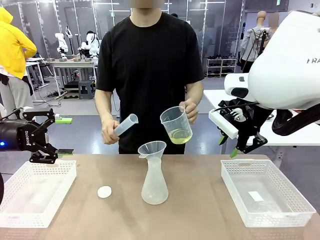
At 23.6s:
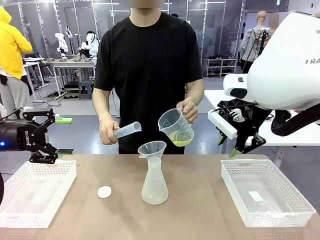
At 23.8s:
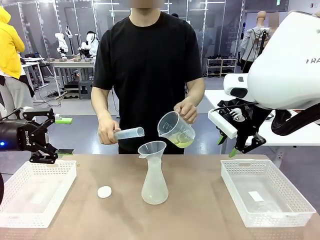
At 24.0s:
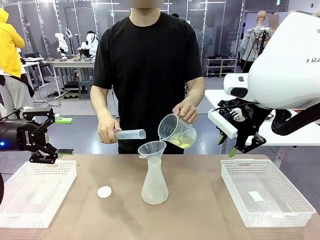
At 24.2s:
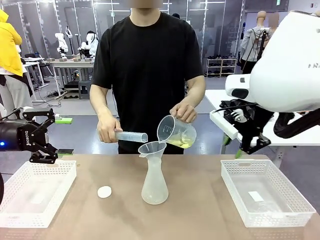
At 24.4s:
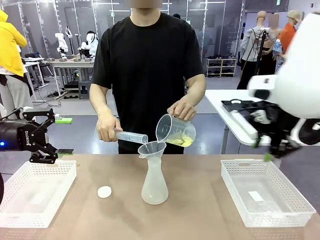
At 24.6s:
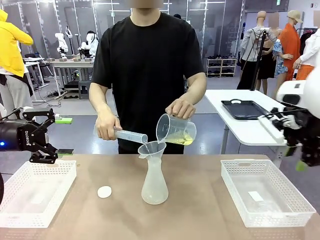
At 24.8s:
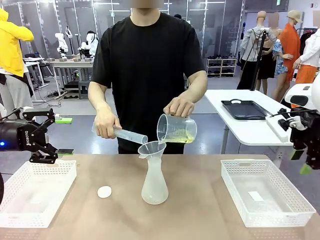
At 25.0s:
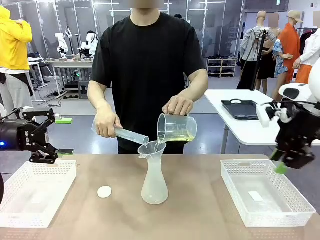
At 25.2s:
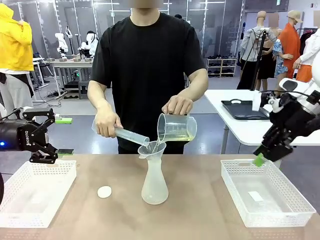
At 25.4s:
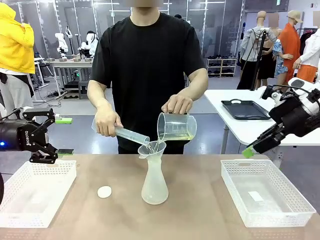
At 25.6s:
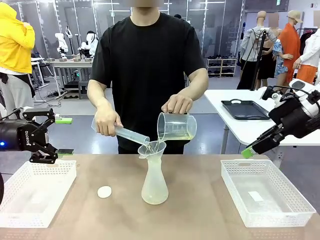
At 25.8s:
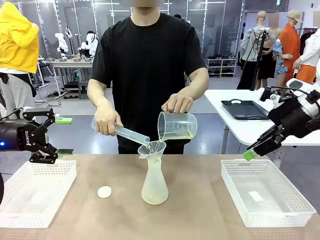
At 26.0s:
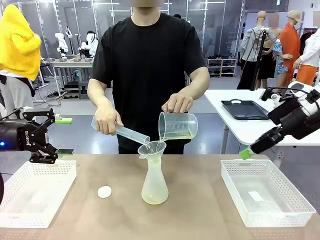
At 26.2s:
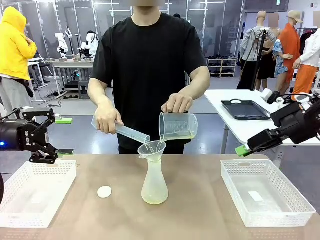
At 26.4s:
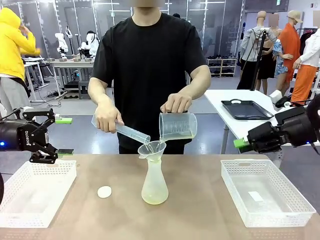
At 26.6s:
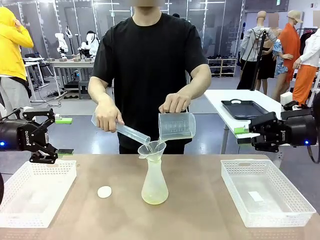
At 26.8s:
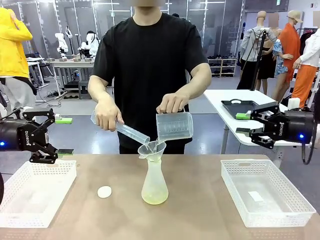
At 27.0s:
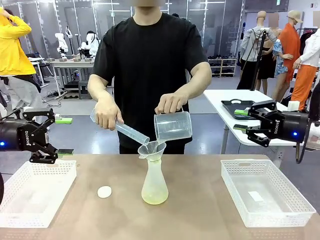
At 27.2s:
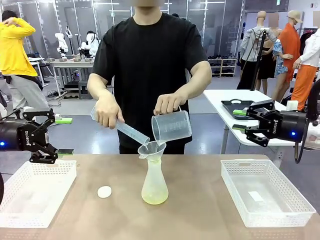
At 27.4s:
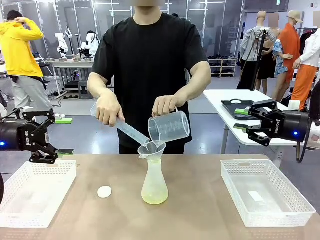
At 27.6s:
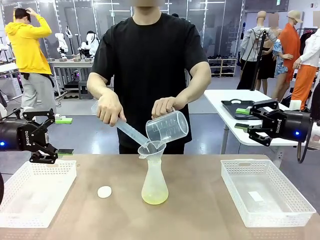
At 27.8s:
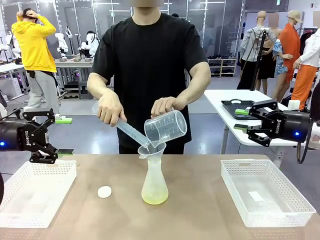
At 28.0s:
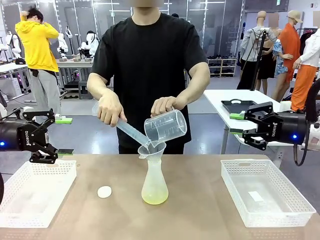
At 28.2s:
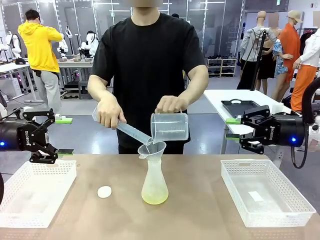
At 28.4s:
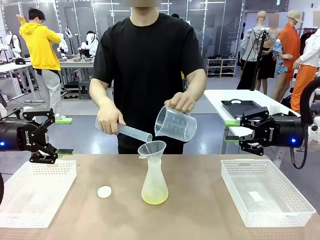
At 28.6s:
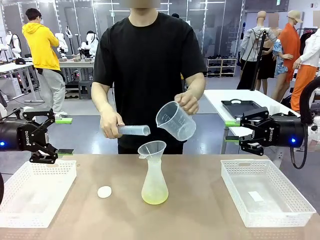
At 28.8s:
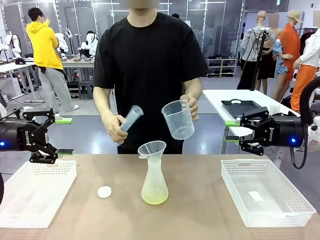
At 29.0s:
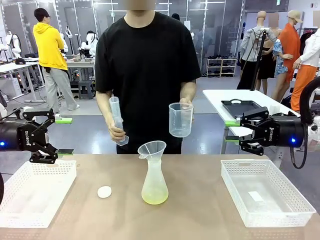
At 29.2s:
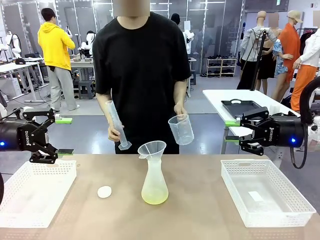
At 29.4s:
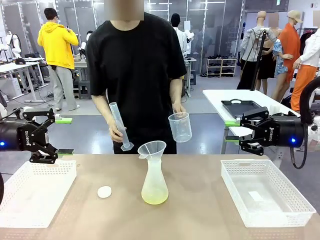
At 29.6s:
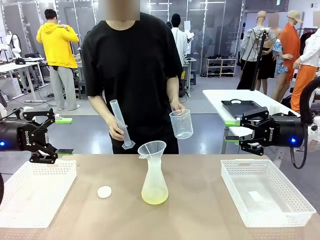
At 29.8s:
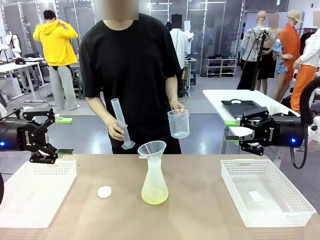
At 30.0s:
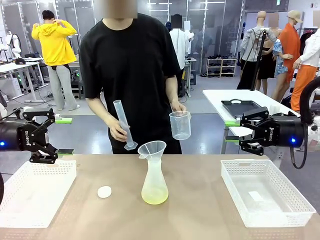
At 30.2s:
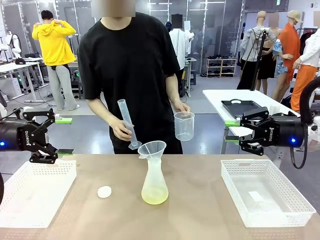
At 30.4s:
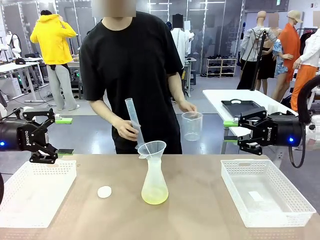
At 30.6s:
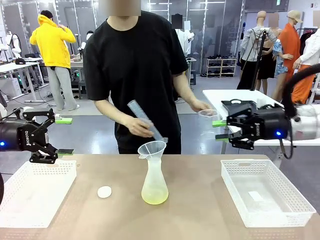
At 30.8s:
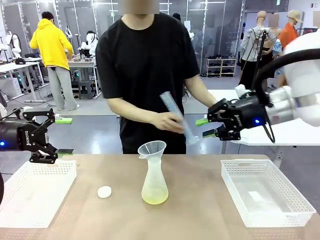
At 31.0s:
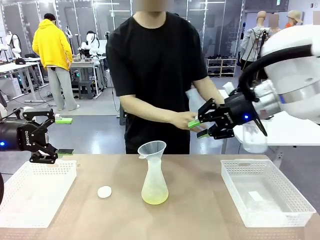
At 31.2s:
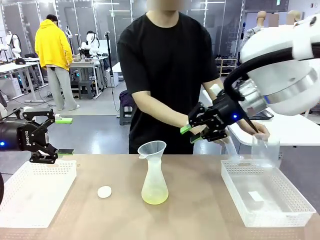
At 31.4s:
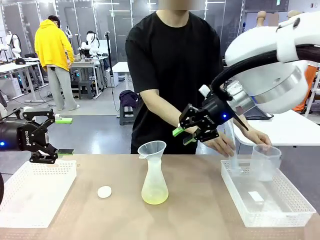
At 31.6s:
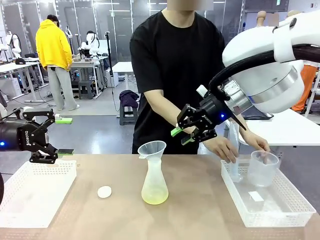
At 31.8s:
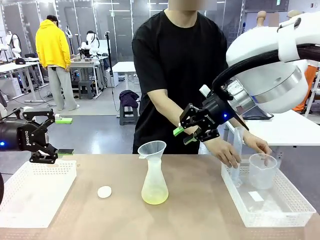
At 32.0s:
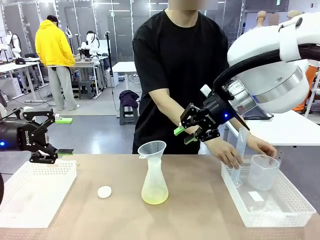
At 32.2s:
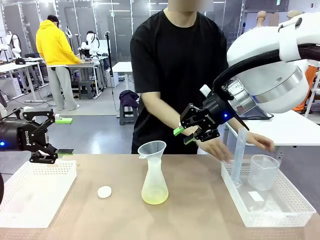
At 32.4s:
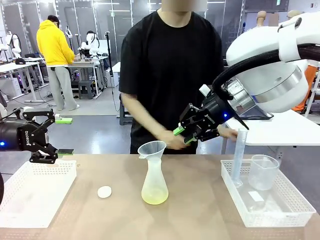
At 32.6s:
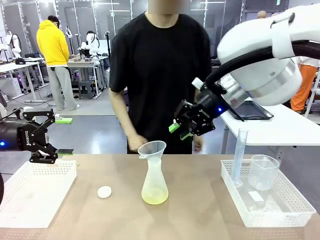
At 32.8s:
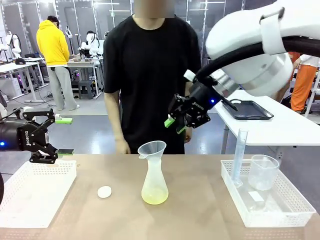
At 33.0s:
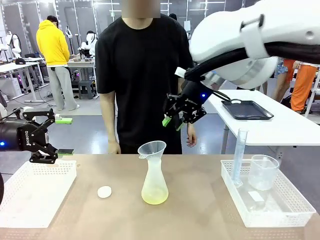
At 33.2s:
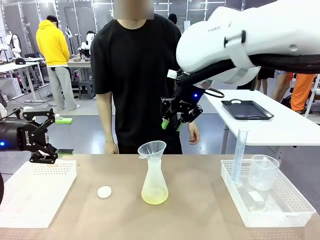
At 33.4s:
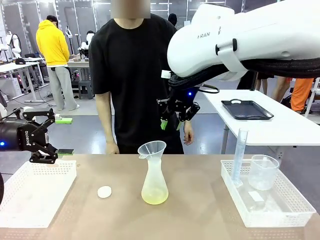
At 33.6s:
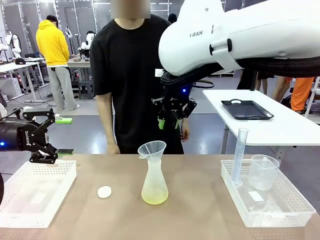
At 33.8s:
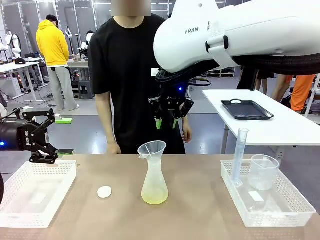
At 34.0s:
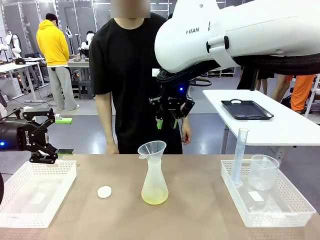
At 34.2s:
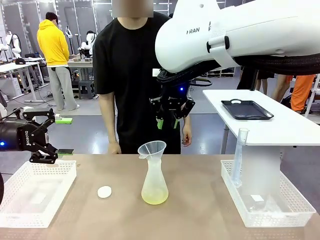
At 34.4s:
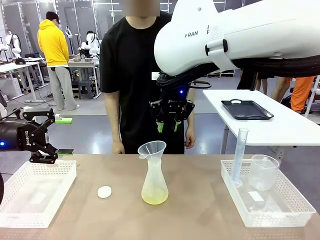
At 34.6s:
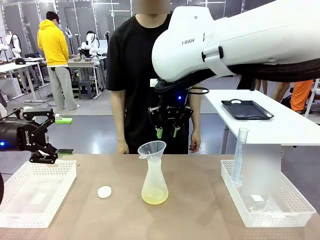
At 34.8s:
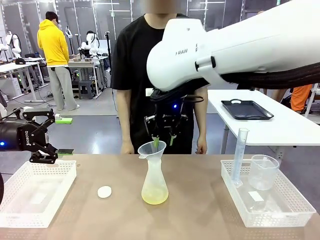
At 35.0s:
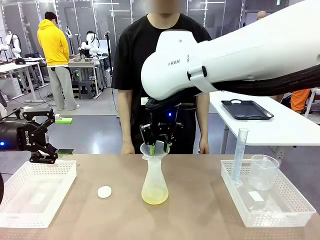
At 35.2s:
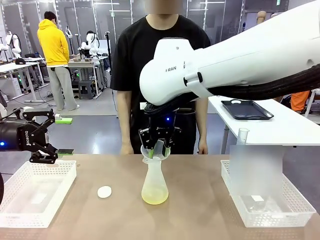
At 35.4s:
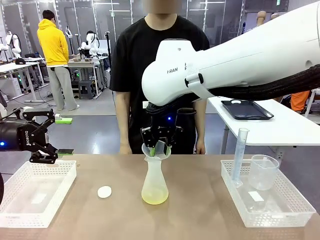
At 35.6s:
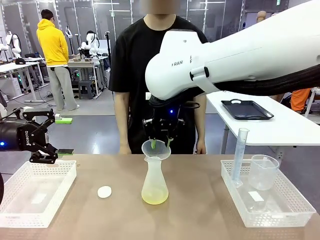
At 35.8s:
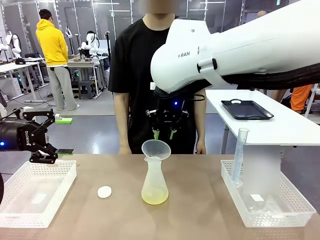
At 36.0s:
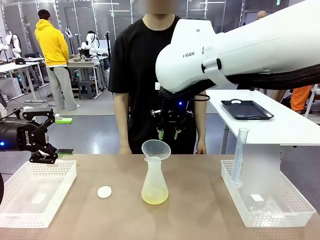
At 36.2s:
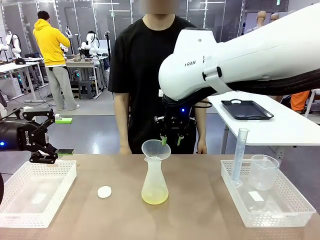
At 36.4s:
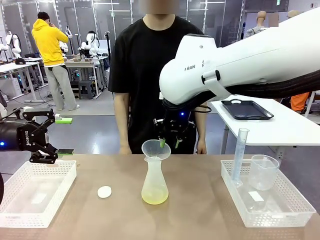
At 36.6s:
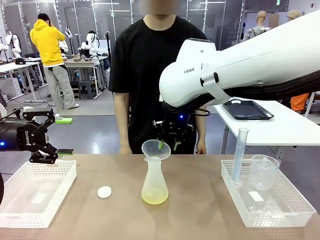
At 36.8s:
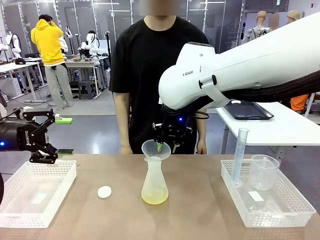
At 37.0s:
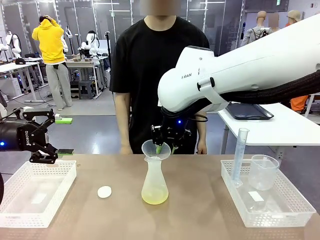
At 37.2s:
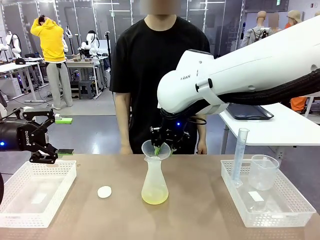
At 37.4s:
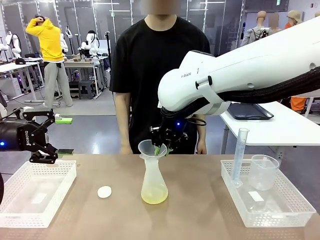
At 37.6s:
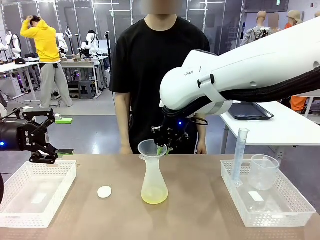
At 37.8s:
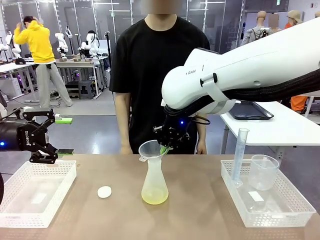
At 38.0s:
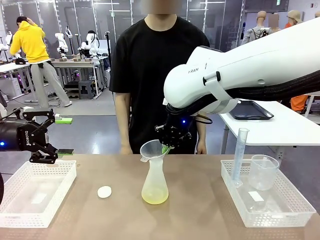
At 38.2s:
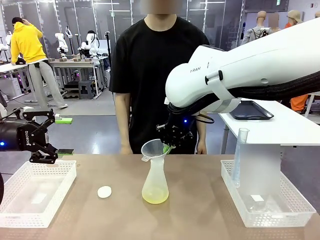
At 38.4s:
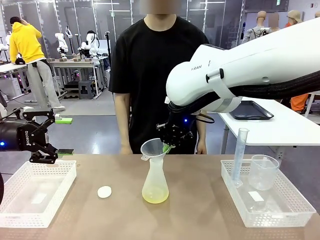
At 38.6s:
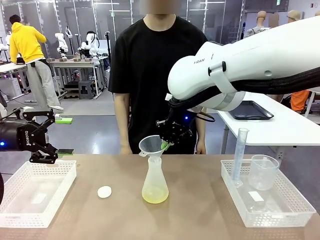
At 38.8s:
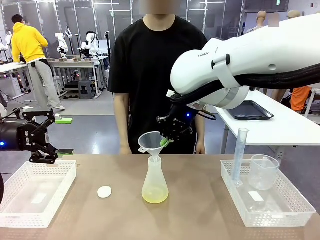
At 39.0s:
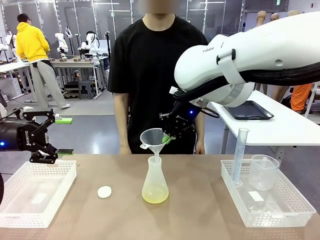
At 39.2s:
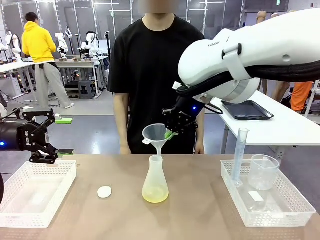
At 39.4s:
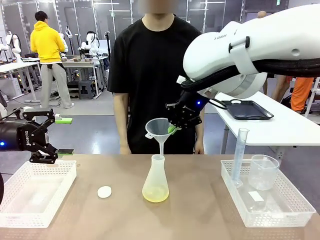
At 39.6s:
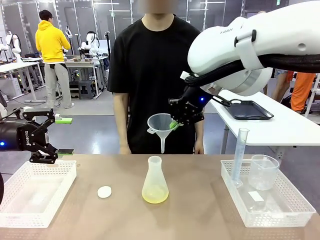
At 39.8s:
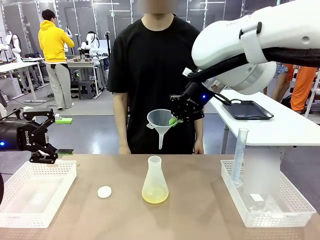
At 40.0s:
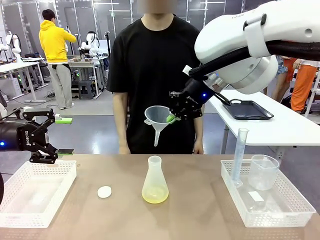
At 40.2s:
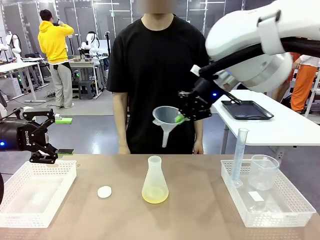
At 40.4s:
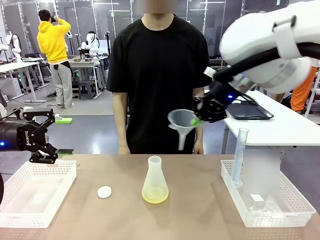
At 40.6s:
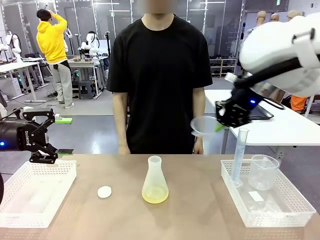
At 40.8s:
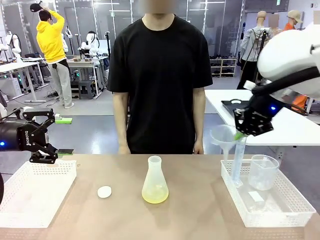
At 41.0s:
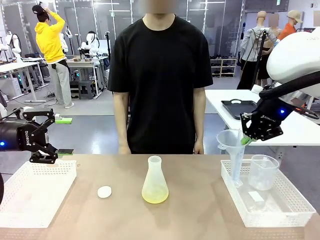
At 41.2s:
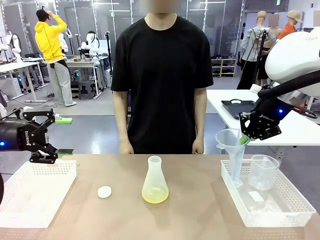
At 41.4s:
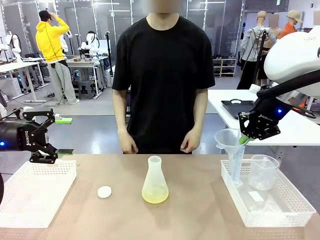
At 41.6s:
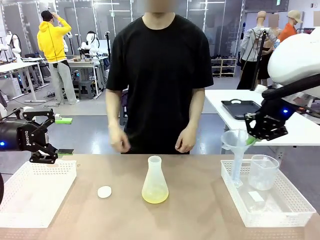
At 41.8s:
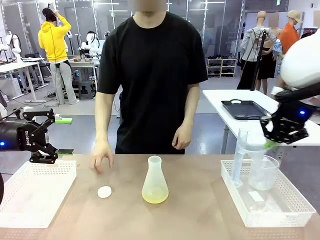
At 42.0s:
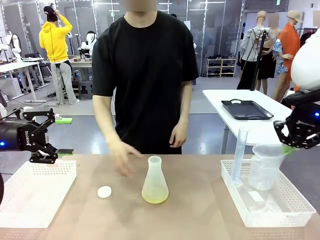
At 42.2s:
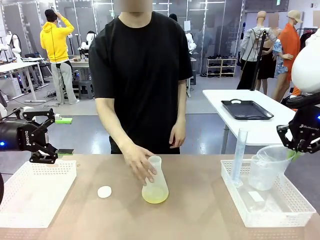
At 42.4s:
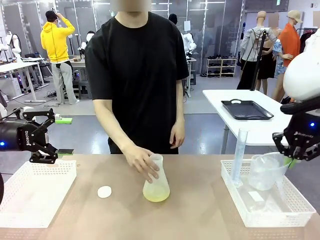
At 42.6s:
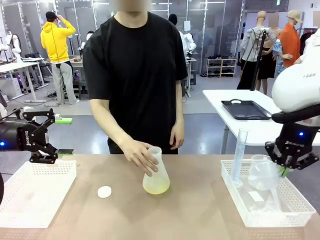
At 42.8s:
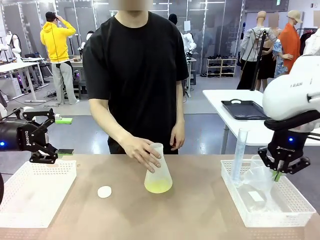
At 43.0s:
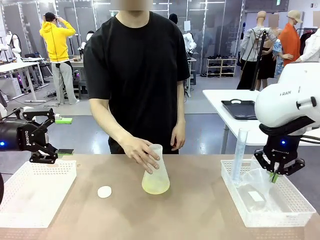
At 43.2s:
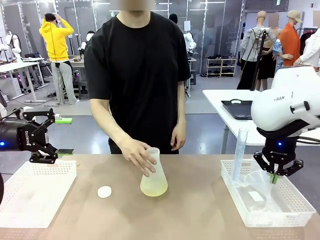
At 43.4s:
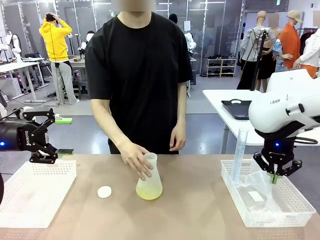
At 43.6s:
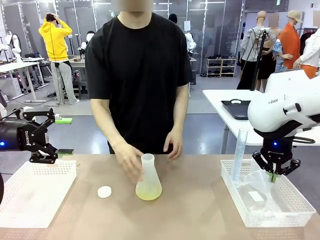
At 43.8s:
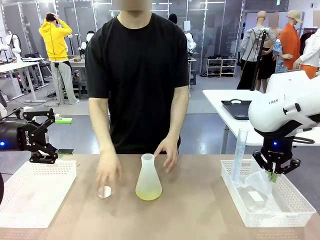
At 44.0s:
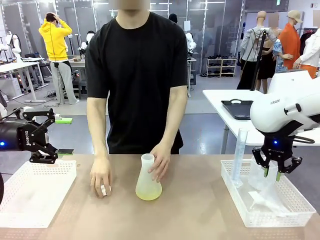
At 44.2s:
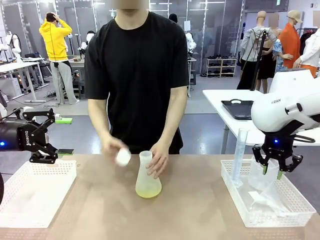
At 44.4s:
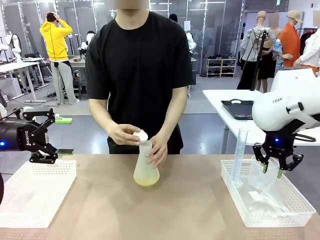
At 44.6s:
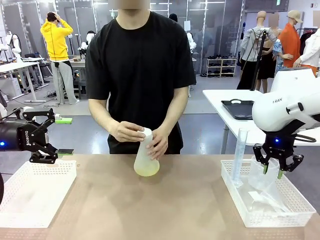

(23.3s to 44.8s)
Task: Prepare the solutions needed for the experiment.
Robot: Once the solution is in the Big flask , pick up the Plastic Funnel and place it back into the right Organizing basket.
Person: Place the beaker and the cylinder into the organizing basket on the left side. Pick up the flask, gently shake it 2–3 times, place it in the middle of the robot table, and close the lid.
